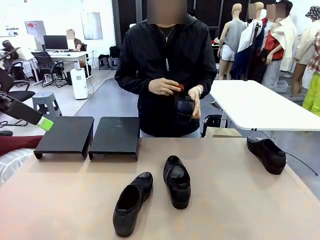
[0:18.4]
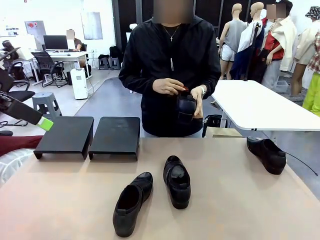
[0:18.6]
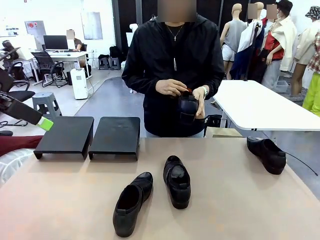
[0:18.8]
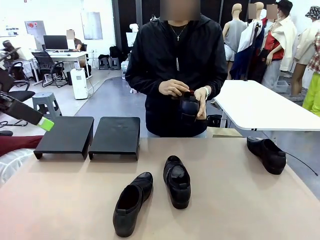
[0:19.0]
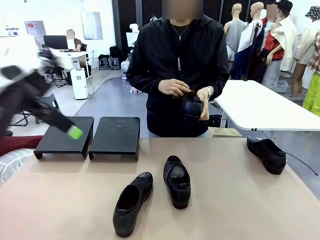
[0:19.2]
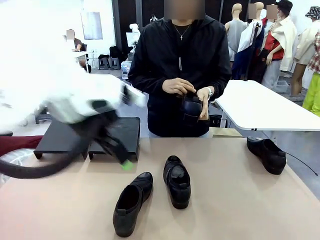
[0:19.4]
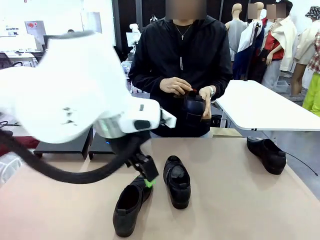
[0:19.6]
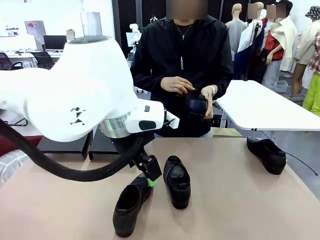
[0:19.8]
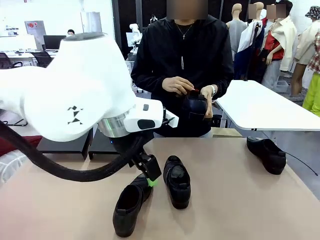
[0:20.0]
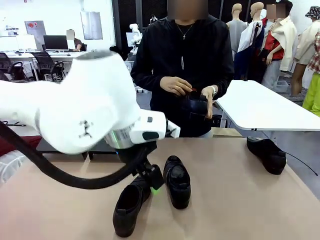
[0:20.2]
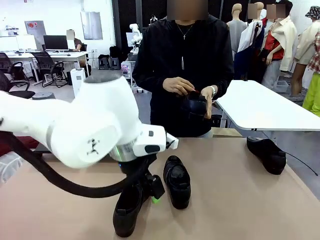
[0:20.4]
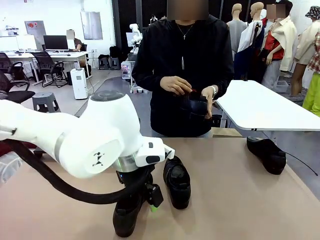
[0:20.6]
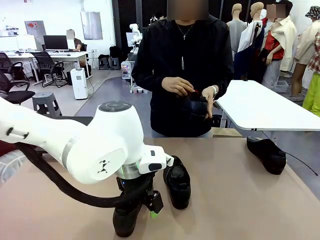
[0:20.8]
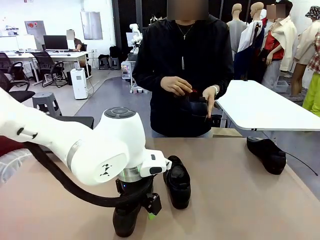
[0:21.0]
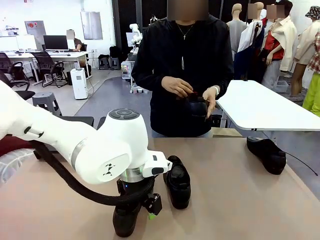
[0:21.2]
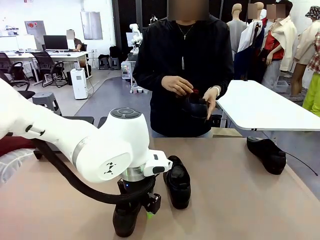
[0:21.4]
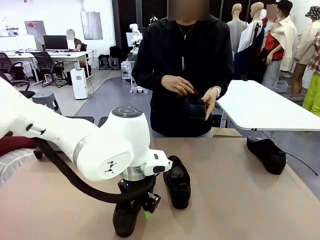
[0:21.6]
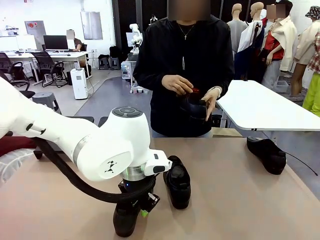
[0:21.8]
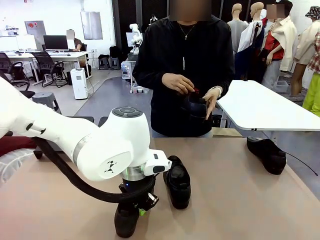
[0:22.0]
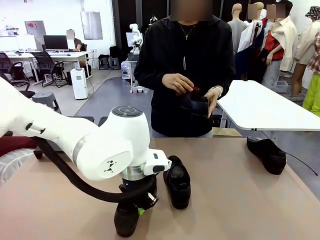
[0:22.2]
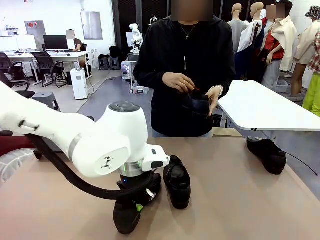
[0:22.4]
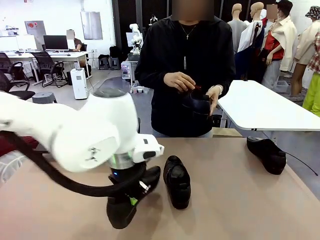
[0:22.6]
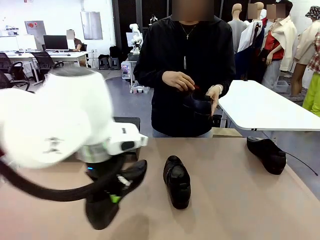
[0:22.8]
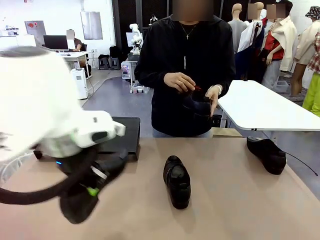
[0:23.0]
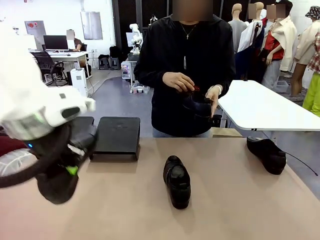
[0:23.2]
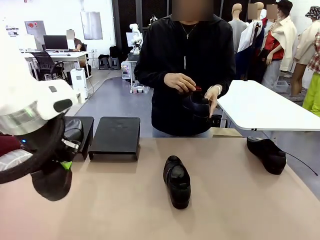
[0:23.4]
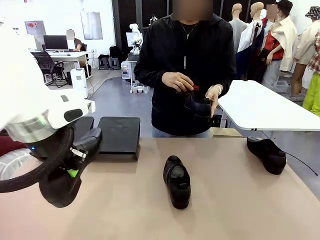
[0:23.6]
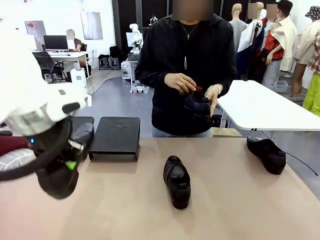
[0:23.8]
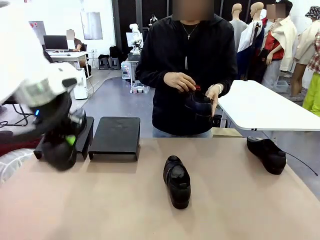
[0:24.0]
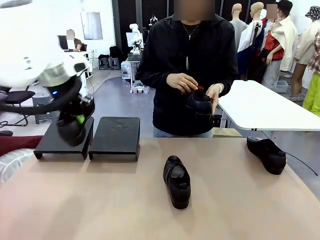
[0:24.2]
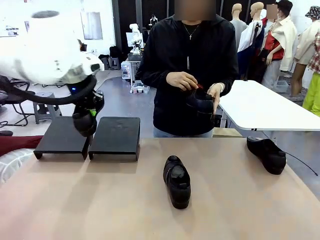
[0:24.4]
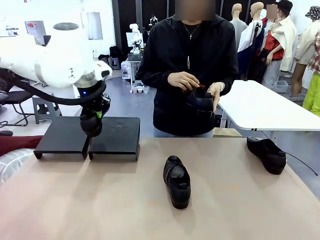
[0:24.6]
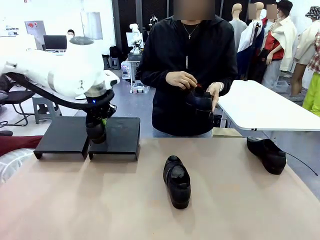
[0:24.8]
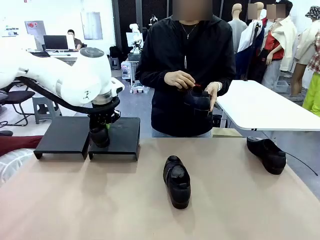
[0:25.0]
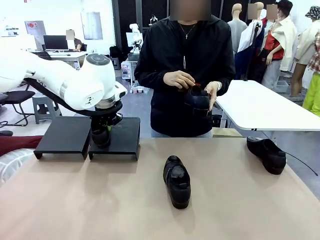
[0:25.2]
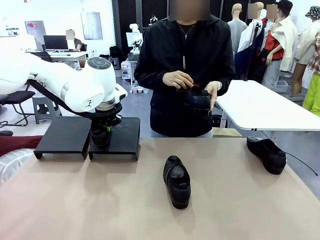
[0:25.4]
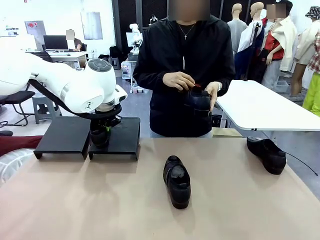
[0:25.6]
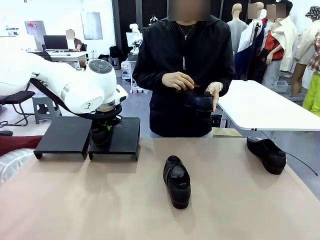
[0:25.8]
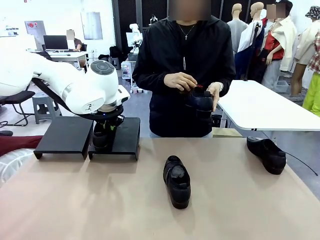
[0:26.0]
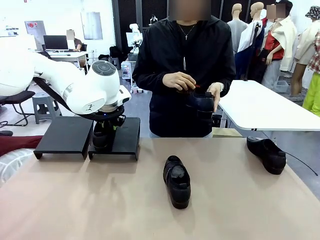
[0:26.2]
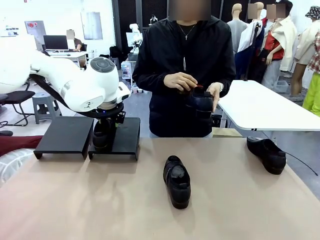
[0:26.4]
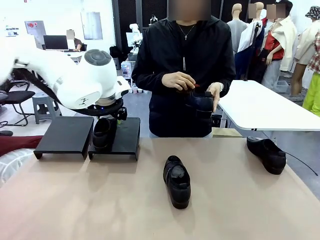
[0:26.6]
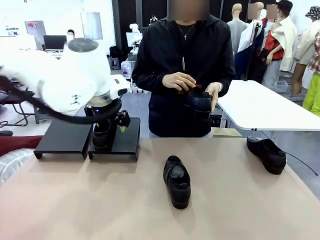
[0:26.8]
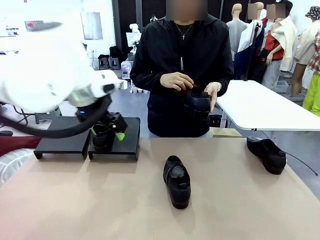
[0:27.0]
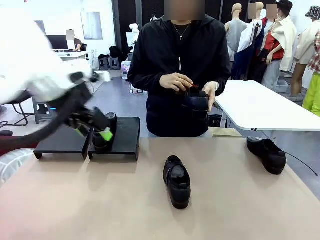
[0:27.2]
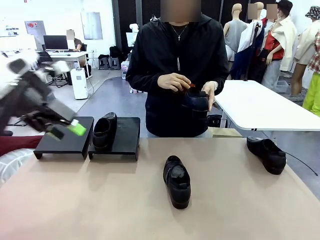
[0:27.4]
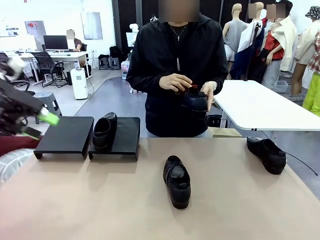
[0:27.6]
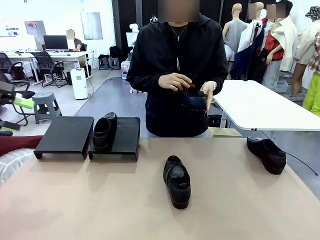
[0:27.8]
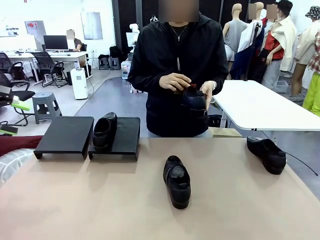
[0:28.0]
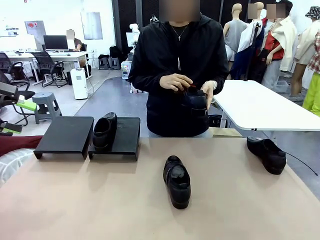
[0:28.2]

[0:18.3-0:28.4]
Task: Organize the shoes by placing them on the stand.
Robot: Place the Shoe from the middle of the table onto the Shoes Stand.
Person: Clean the Shoe with the Shoe Brush.

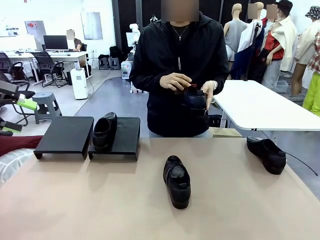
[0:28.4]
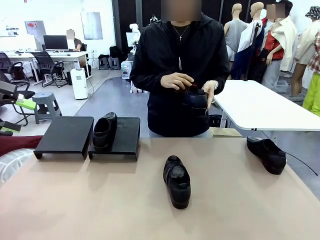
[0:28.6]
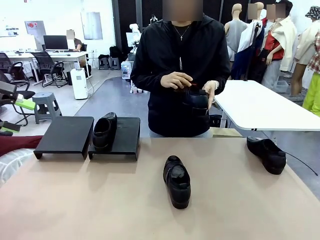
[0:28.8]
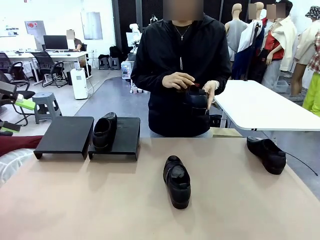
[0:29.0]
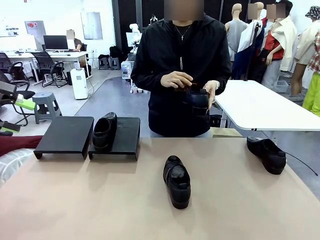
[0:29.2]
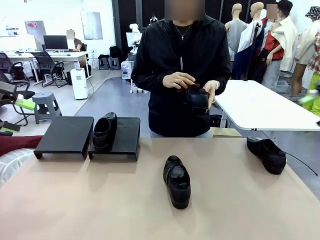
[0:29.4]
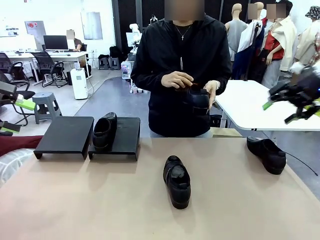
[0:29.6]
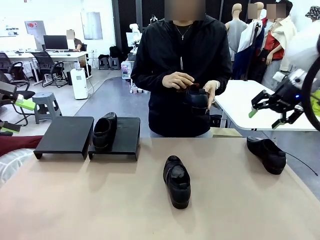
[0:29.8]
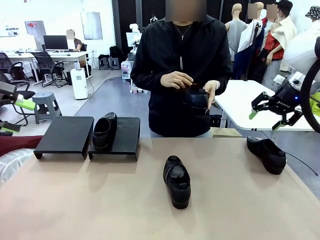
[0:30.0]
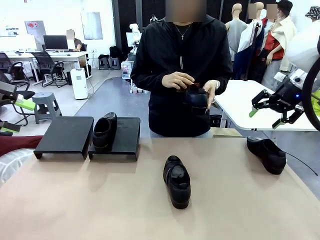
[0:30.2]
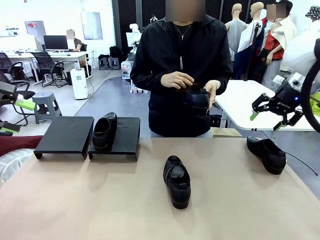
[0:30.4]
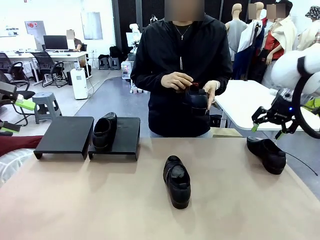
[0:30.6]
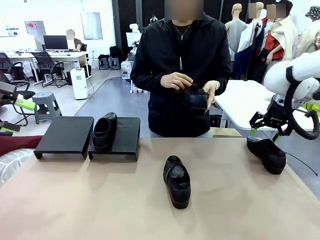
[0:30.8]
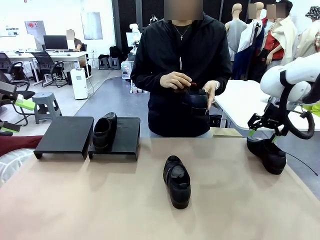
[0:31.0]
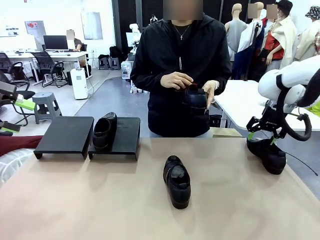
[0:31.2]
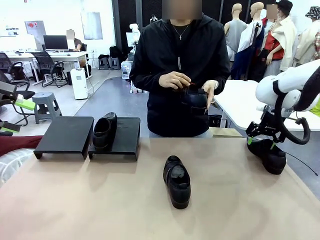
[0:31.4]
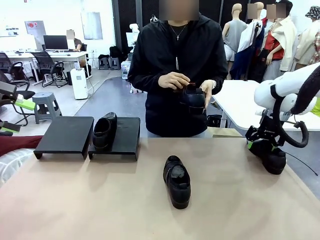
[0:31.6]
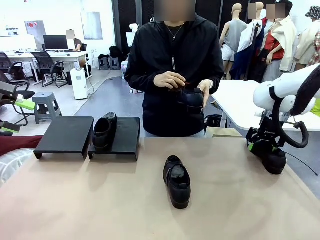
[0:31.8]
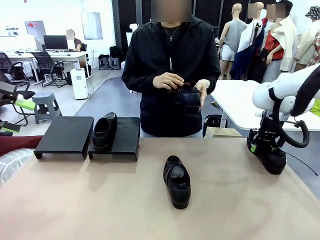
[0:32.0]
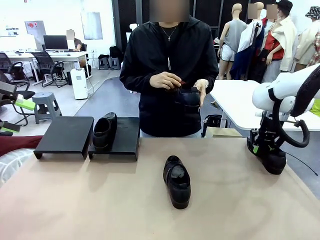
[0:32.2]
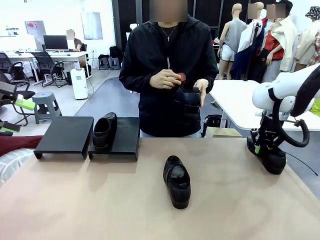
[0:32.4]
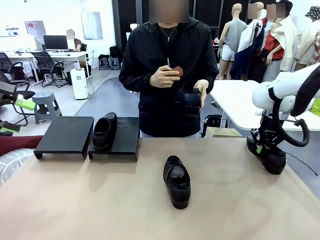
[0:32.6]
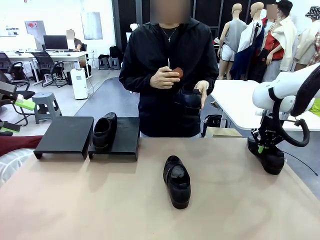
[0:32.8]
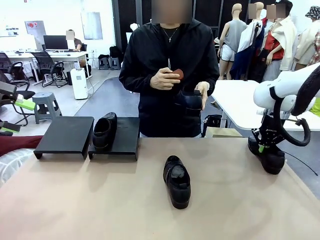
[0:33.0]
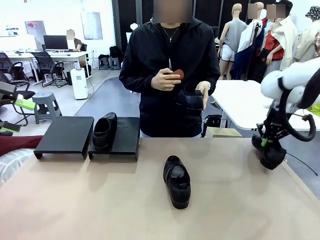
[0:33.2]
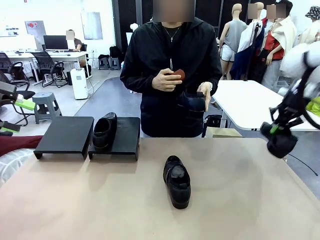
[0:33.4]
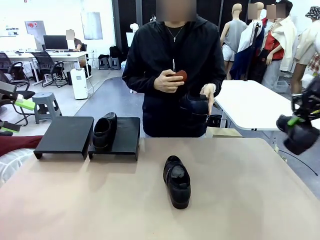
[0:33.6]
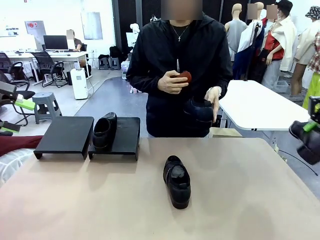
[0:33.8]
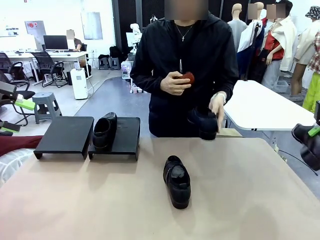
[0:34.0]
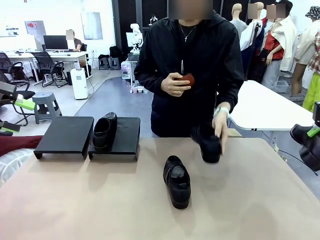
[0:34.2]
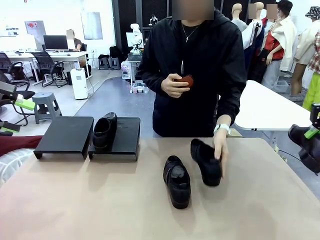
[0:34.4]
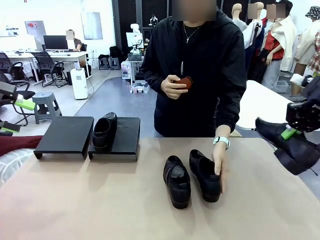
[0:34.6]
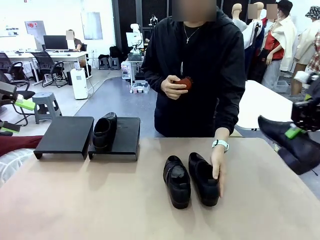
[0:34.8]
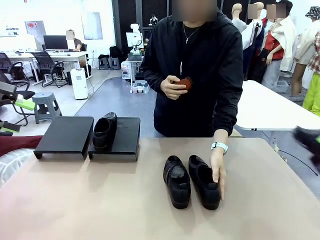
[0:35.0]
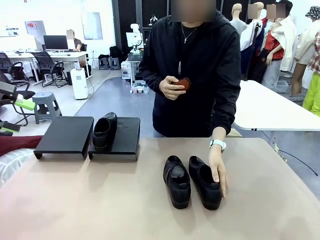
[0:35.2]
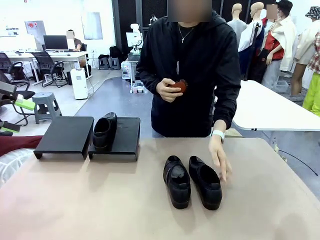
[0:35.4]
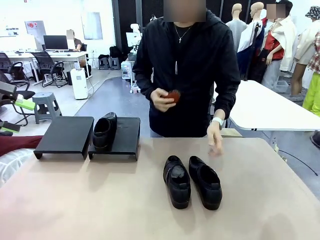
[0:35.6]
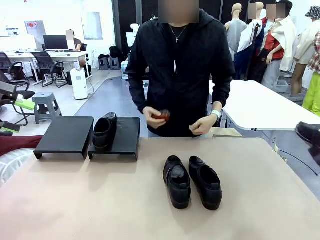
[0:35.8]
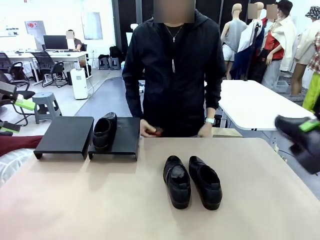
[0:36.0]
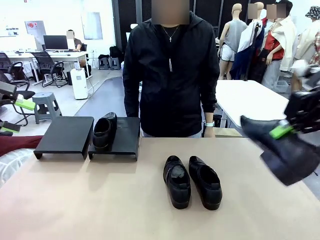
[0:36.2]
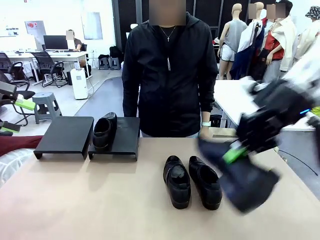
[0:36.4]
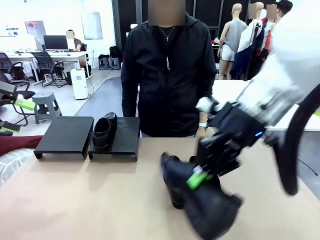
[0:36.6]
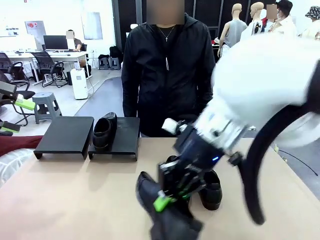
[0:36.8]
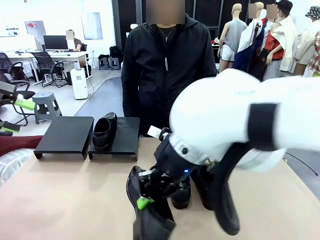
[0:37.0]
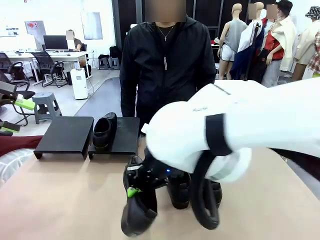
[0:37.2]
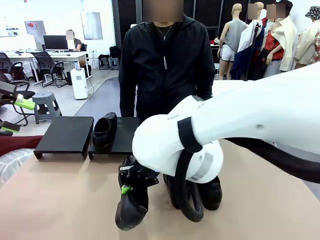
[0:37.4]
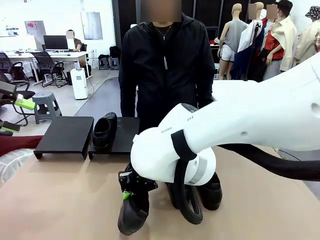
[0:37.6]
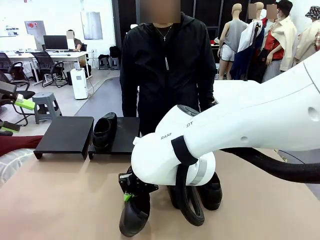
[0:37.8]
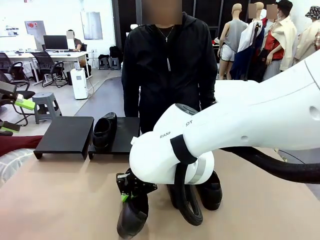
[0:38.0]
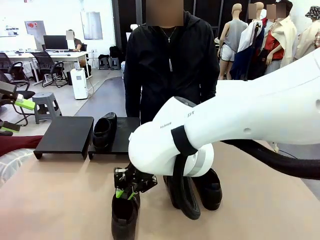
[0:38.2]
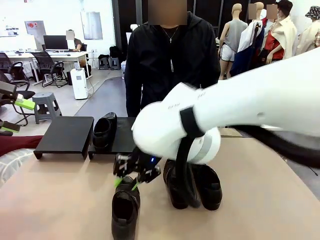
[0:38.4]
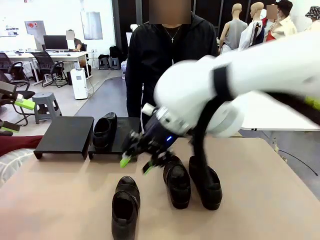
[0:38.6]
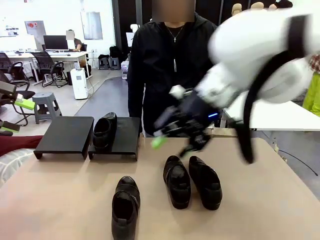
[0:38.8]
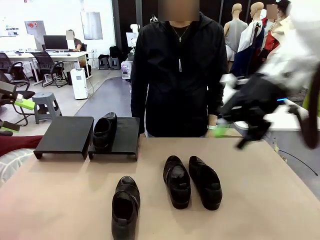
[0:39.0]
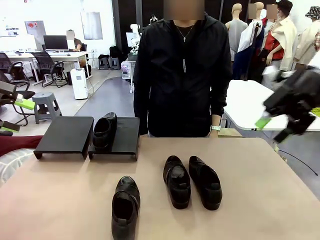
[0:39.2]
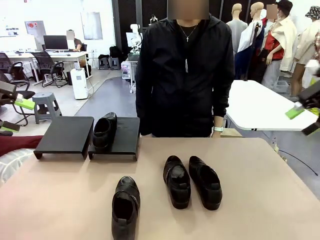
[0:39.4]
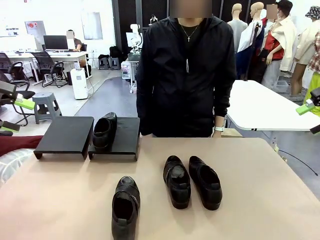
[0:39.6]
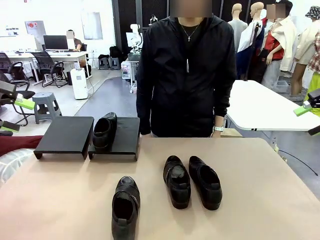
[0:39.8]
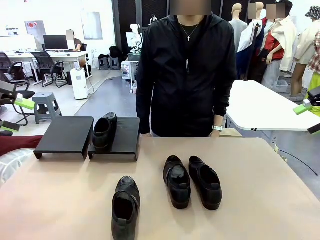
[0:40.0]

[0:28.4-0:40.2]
Robot: Pick up one Shoe and place it in the middle of the table.
